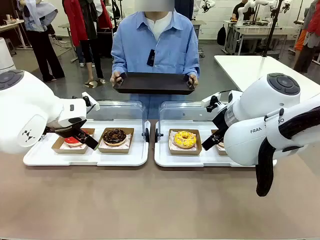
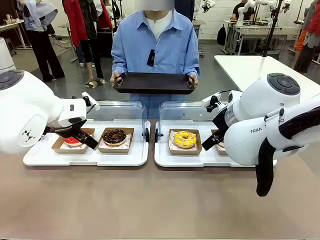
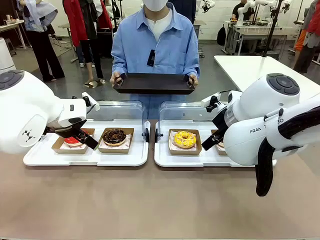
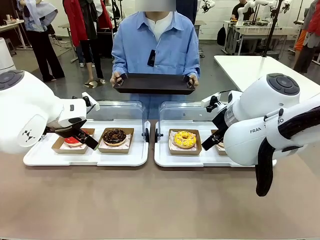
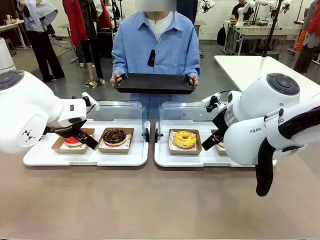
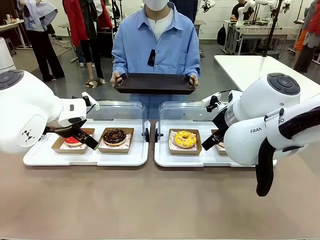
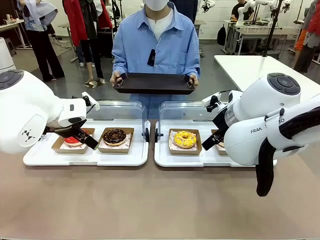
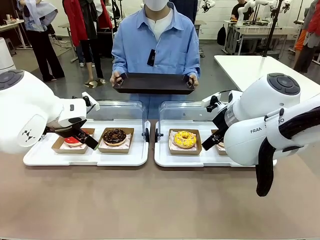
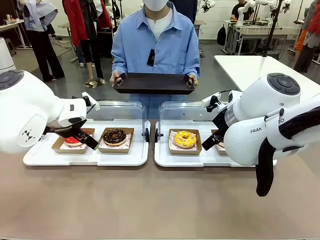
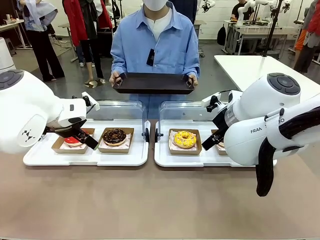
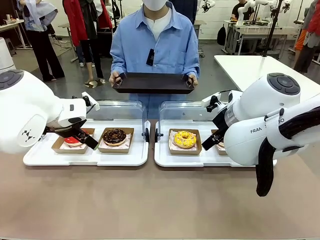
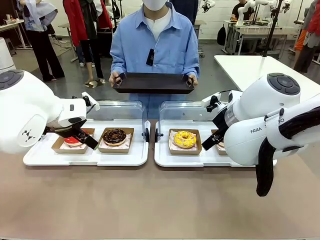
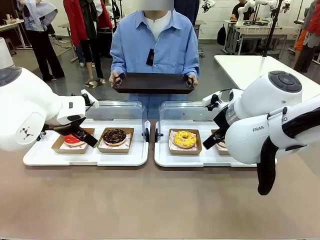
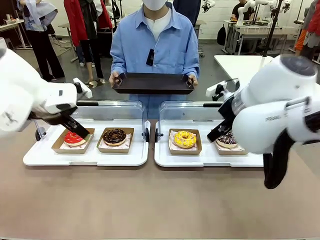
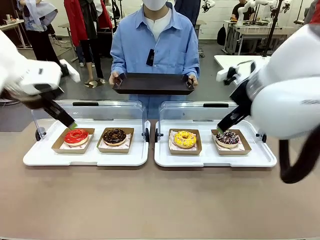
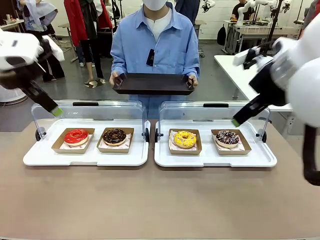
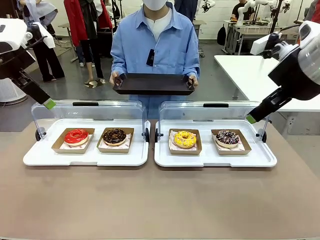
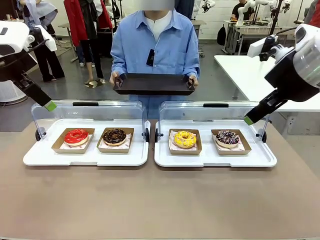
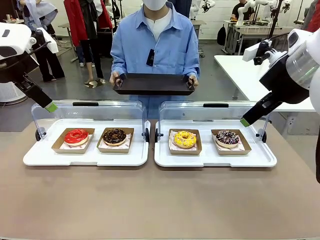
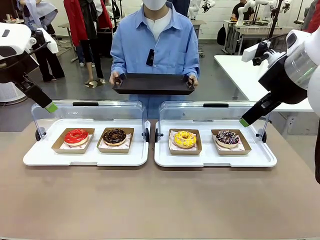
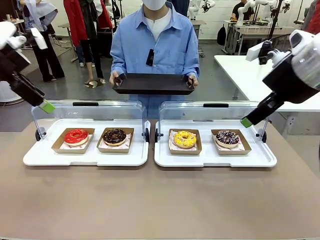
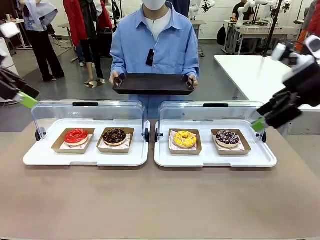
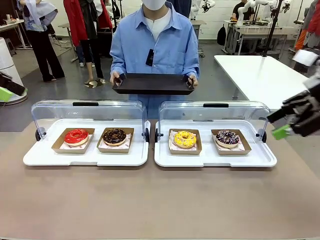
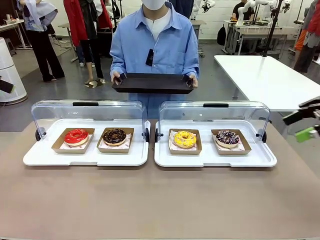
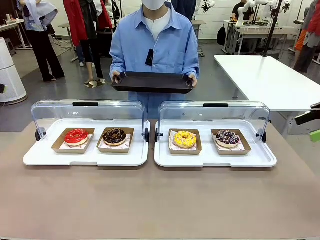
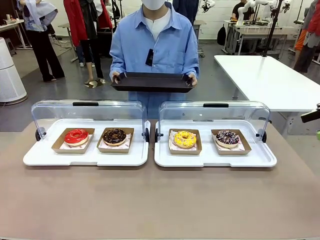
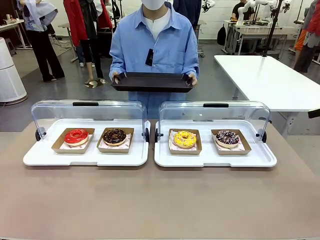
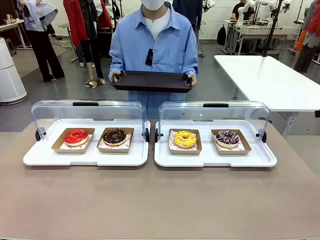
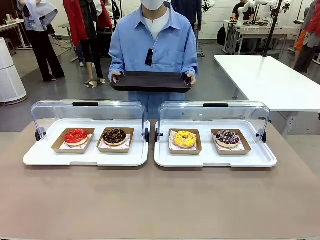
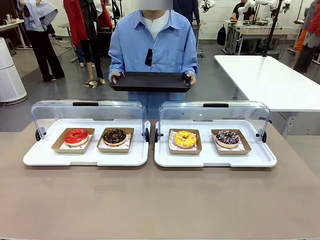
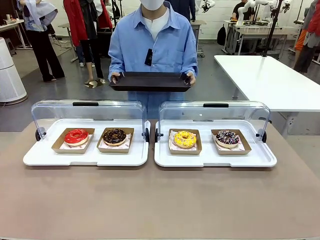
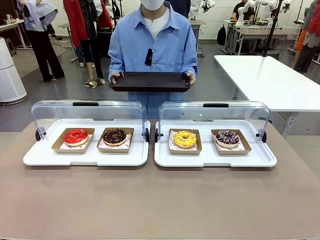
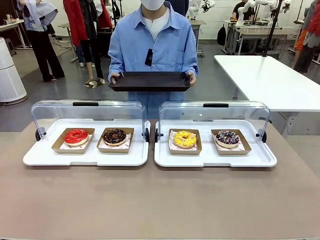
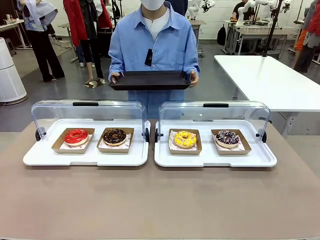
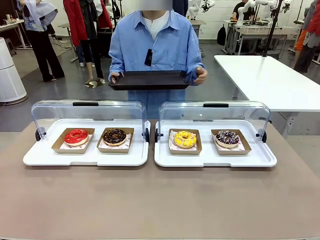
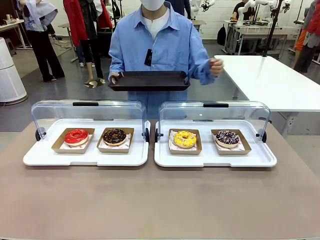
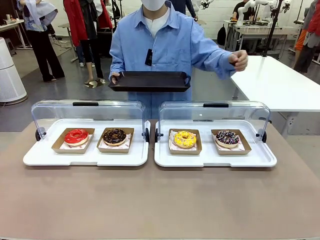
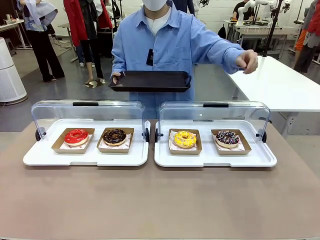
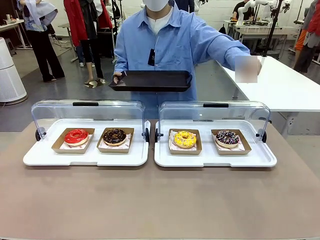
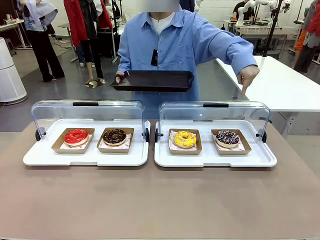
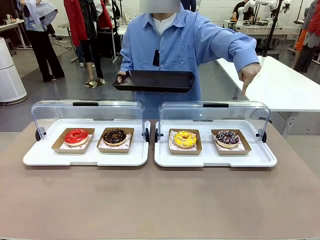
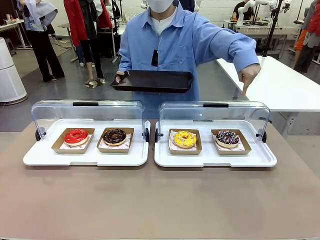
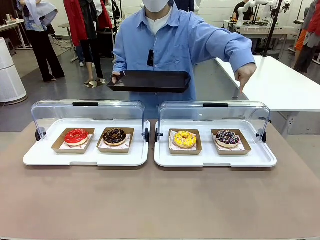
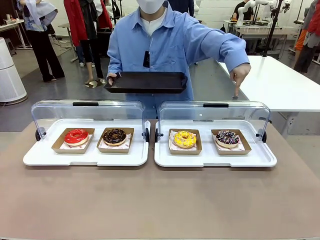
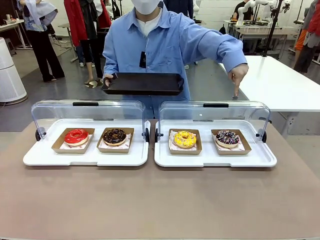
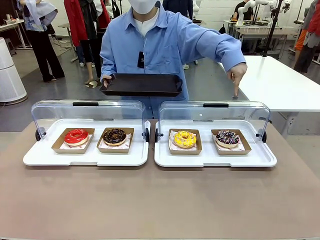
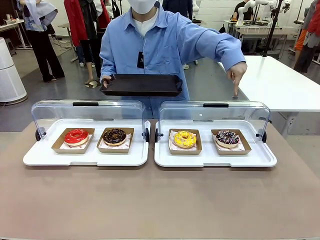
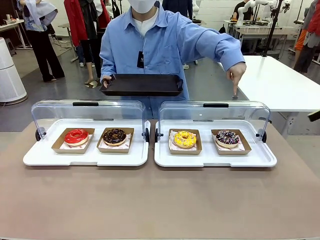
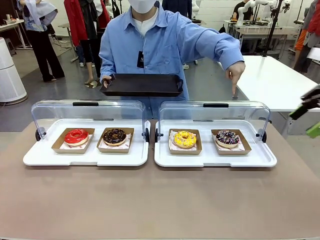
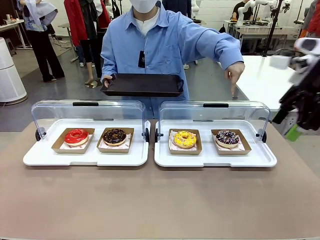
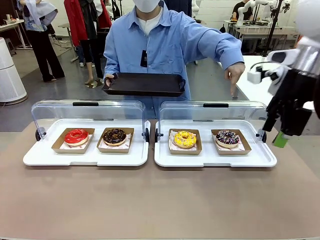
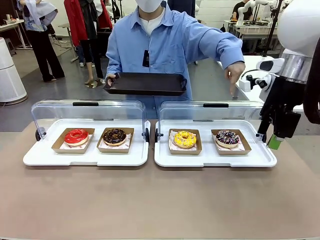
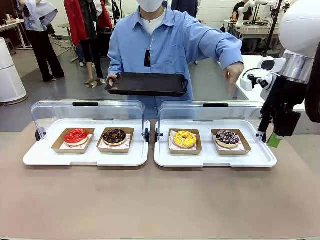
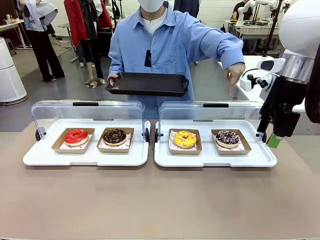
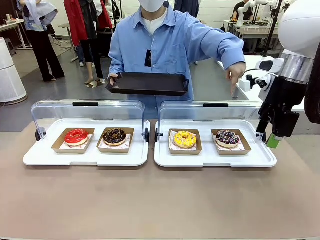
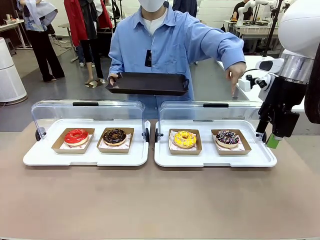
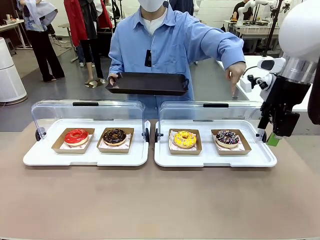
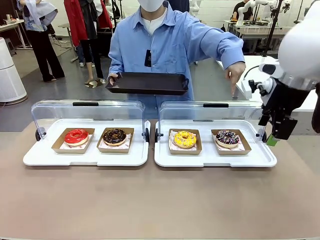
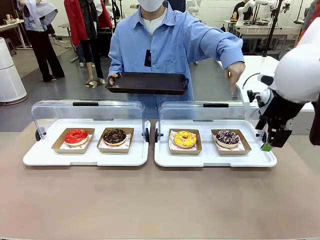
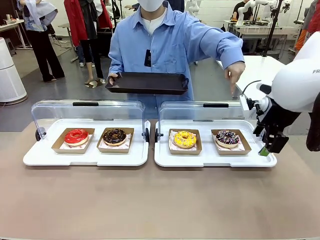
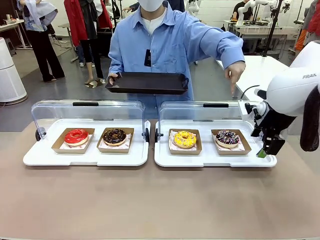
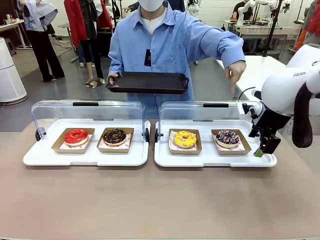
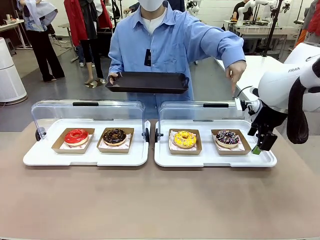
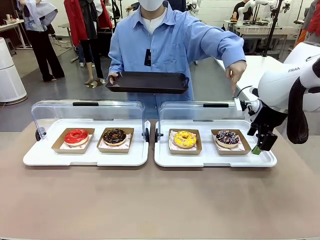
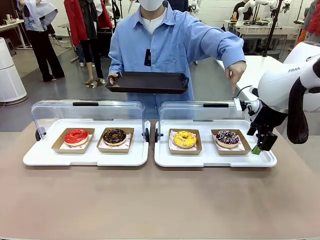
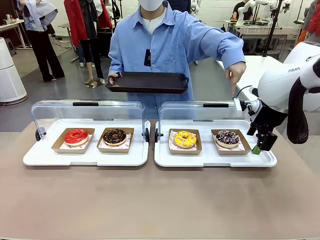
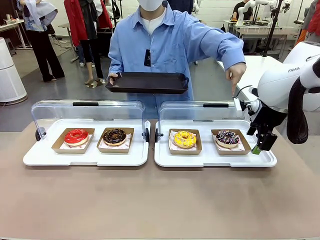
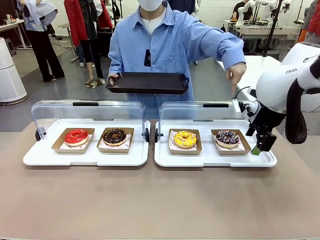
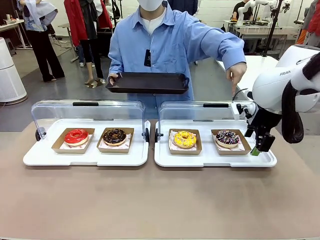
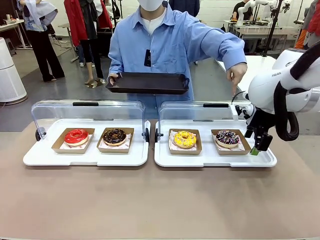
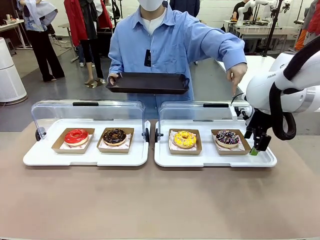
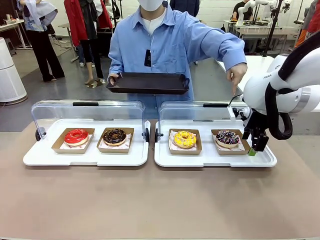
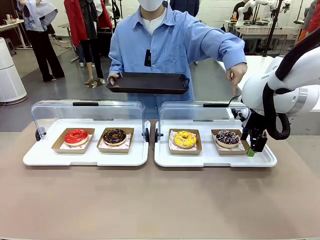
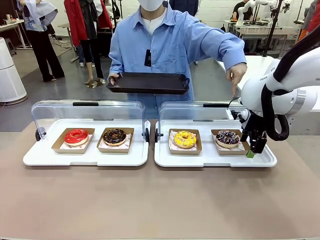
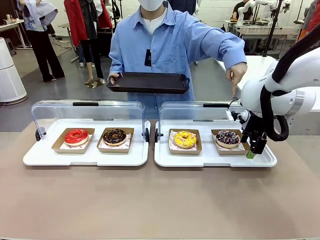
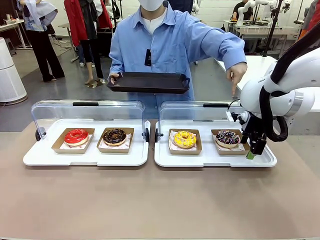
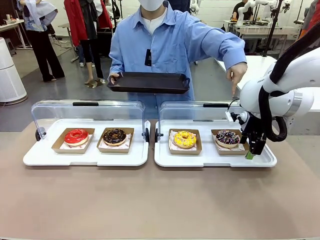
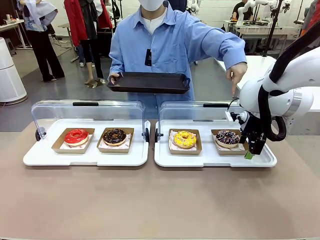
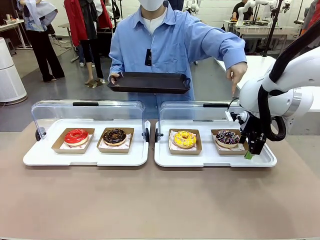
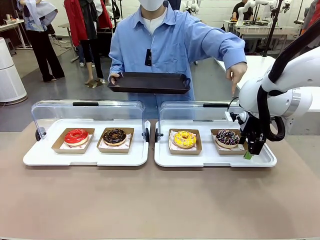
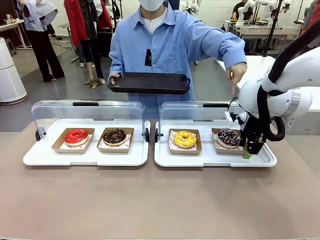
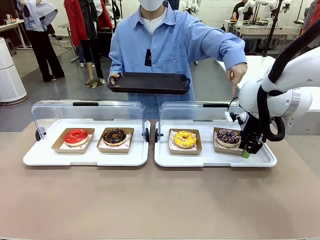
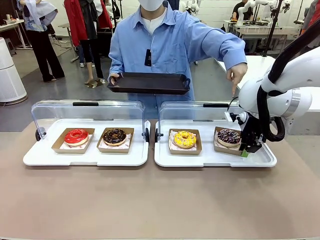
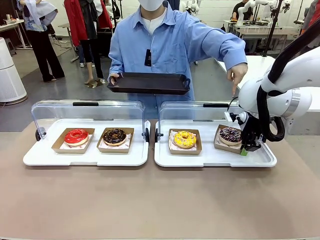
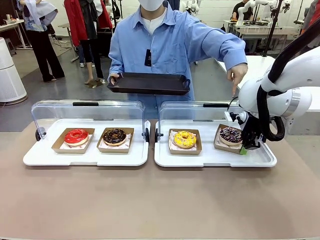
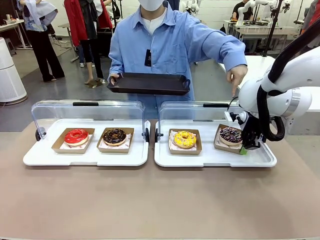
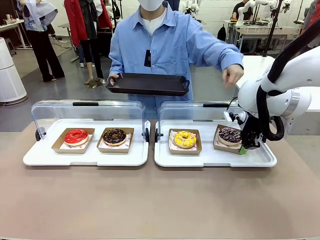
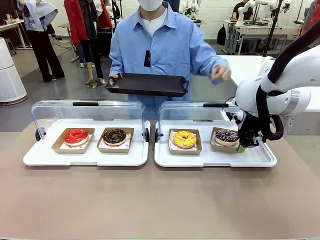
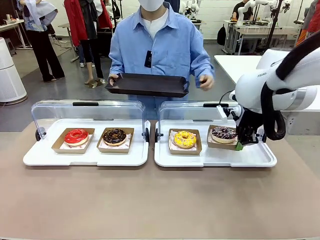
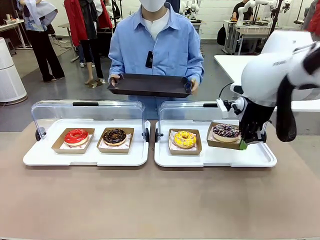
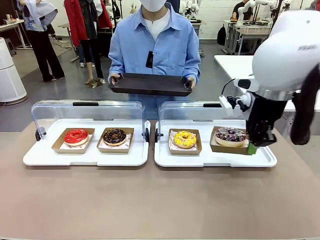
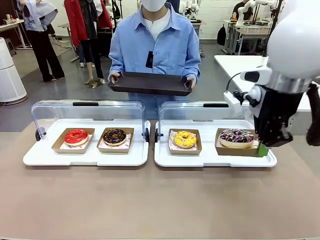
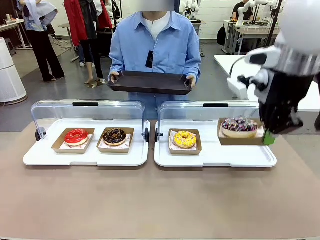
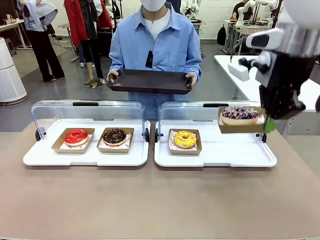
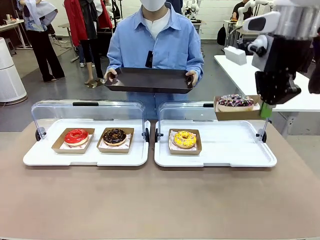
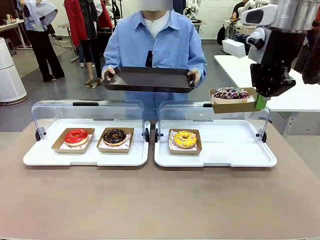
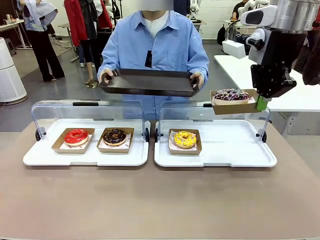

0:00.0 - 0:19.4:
Task: Provide the desired donut to the person.
Robot: Pick up and lift the Paper togo box containing the Donut pointed at by the person.
Person: Point to one donut. Lift the tray onto the Roll-Top Bakery Case.
